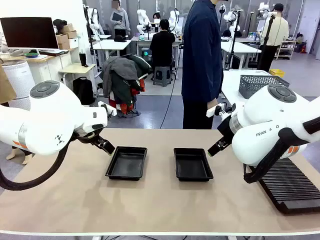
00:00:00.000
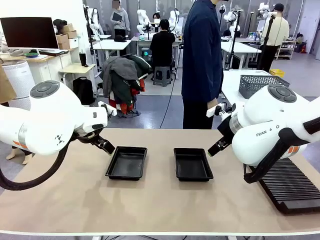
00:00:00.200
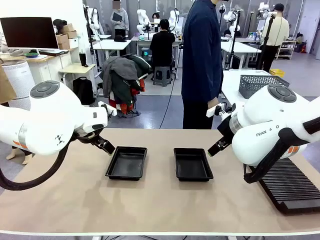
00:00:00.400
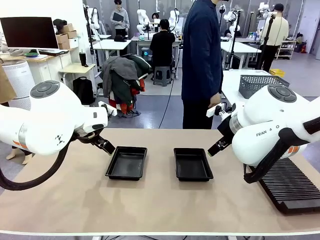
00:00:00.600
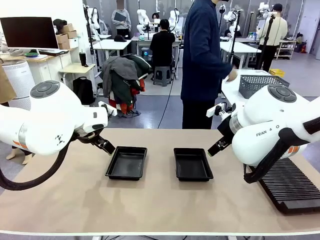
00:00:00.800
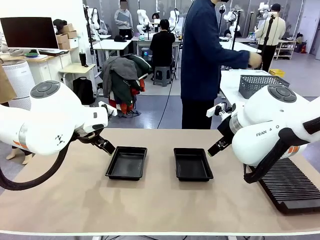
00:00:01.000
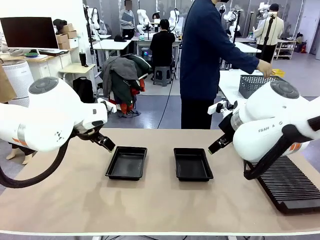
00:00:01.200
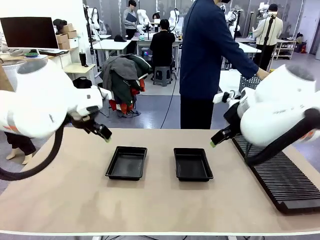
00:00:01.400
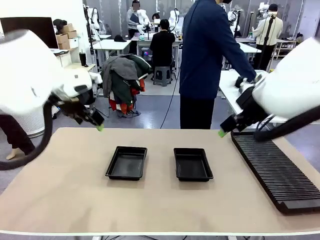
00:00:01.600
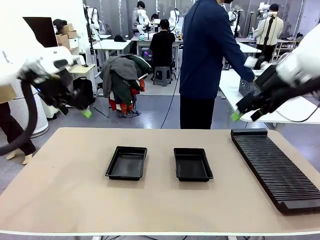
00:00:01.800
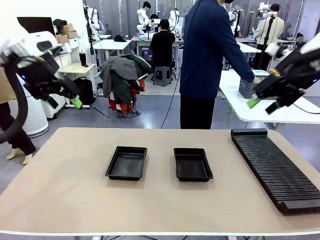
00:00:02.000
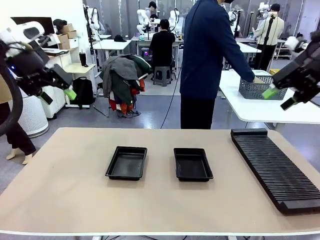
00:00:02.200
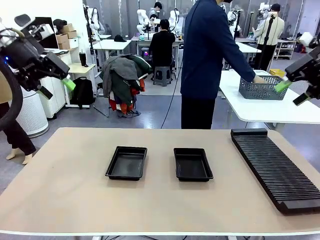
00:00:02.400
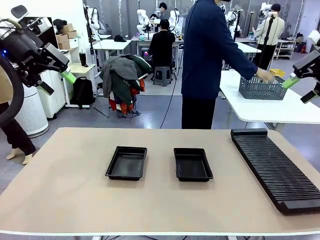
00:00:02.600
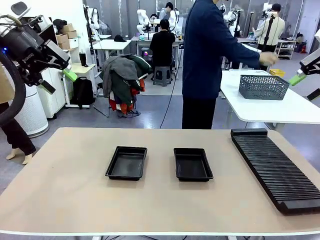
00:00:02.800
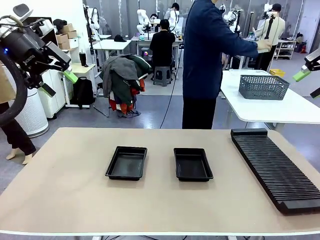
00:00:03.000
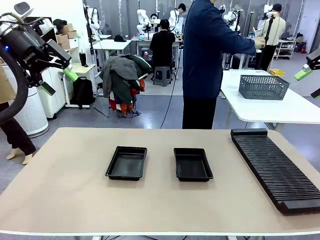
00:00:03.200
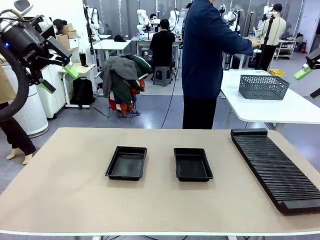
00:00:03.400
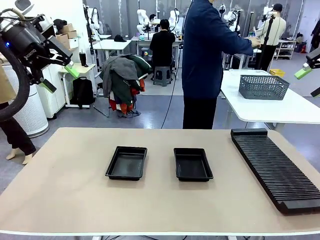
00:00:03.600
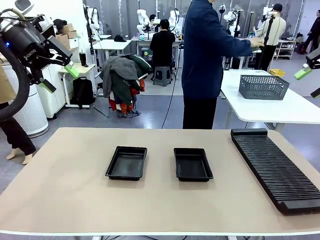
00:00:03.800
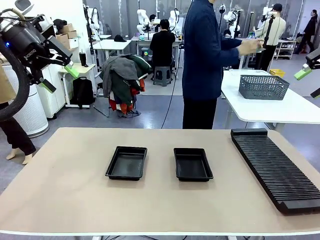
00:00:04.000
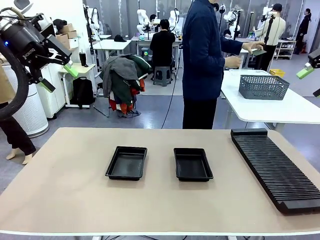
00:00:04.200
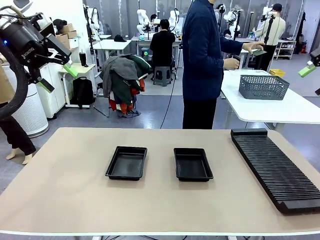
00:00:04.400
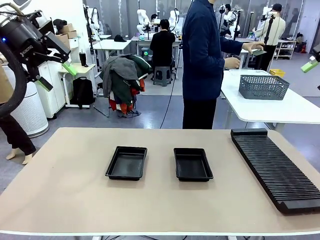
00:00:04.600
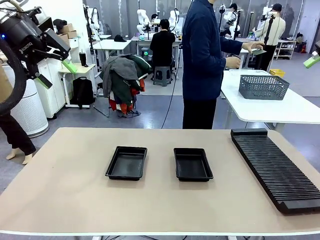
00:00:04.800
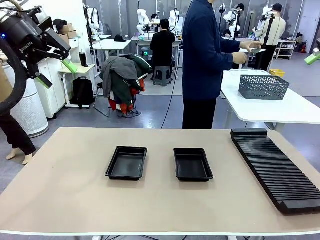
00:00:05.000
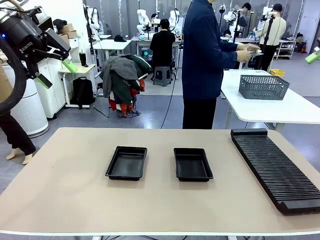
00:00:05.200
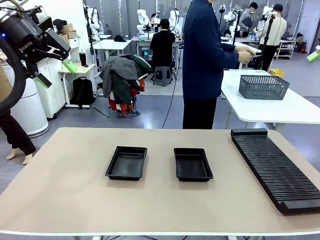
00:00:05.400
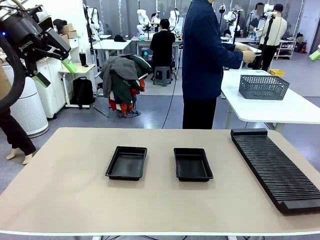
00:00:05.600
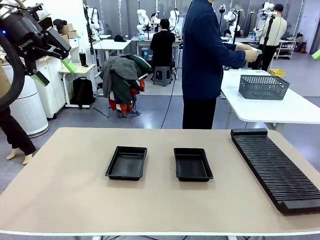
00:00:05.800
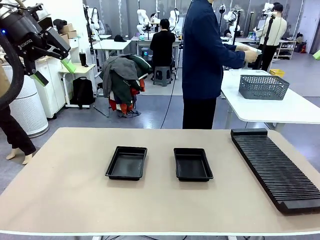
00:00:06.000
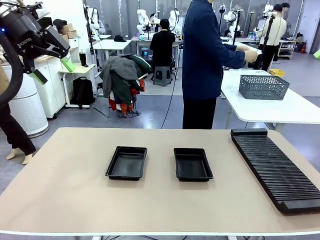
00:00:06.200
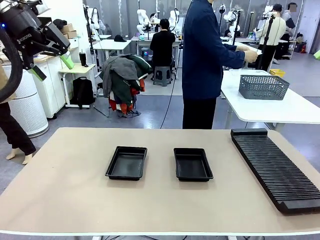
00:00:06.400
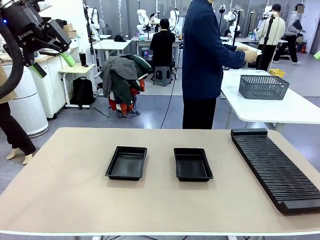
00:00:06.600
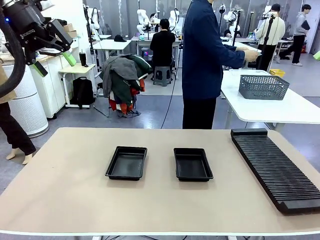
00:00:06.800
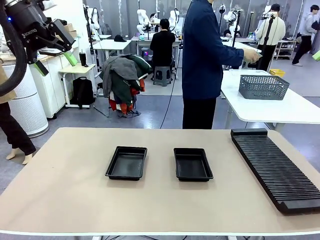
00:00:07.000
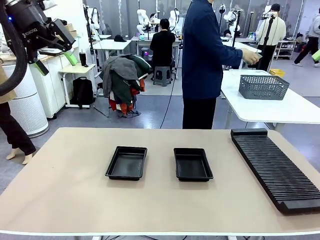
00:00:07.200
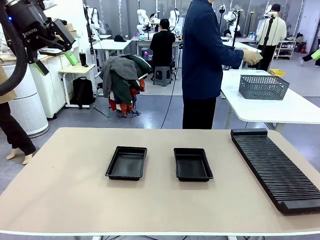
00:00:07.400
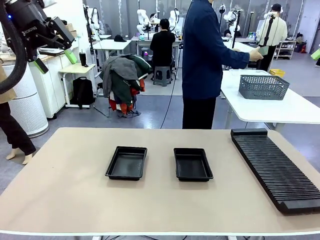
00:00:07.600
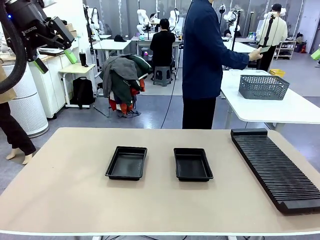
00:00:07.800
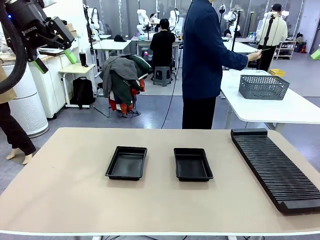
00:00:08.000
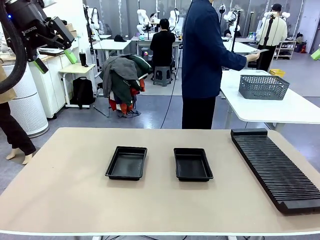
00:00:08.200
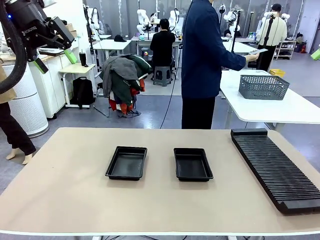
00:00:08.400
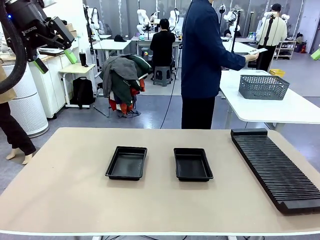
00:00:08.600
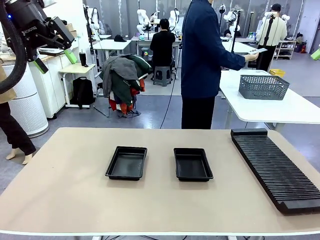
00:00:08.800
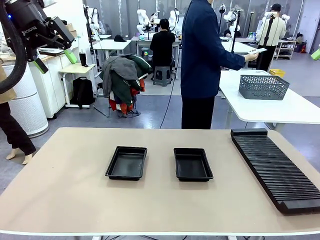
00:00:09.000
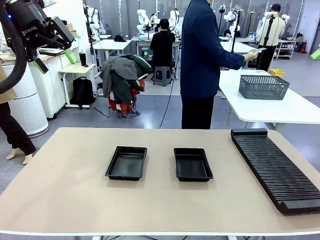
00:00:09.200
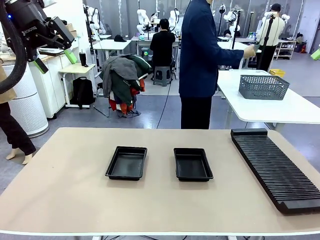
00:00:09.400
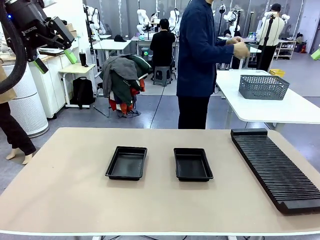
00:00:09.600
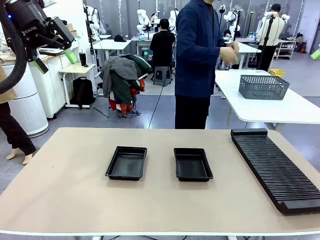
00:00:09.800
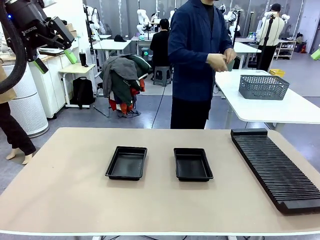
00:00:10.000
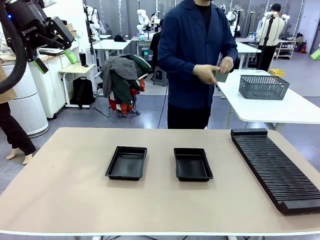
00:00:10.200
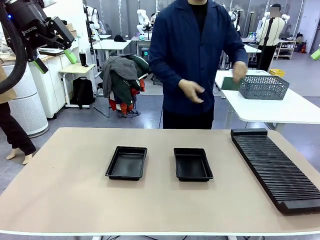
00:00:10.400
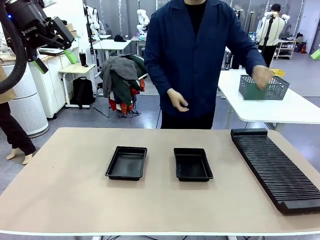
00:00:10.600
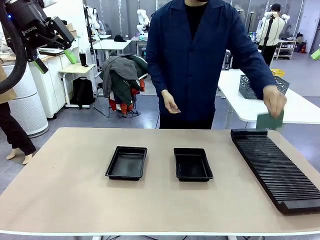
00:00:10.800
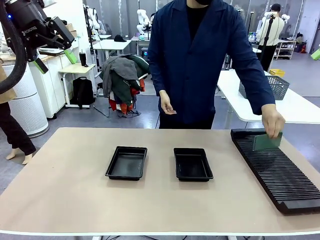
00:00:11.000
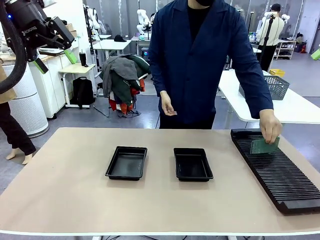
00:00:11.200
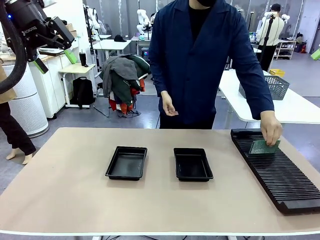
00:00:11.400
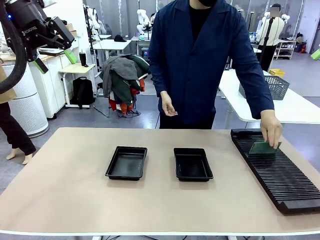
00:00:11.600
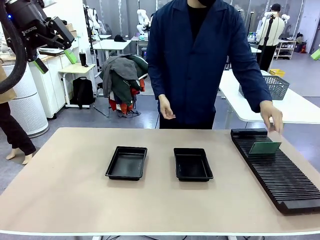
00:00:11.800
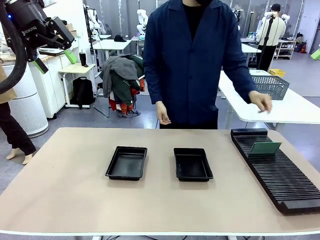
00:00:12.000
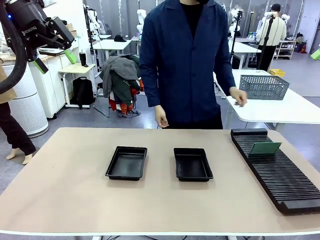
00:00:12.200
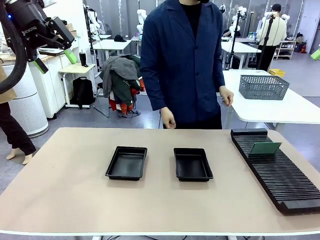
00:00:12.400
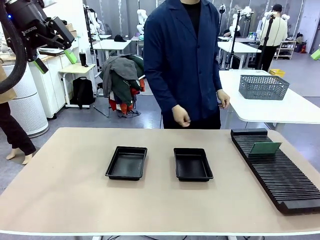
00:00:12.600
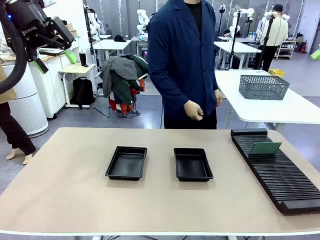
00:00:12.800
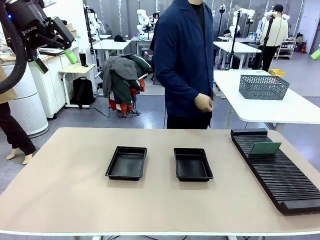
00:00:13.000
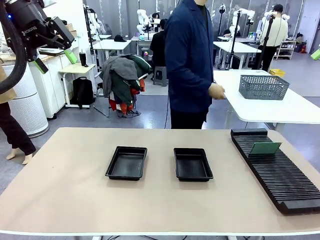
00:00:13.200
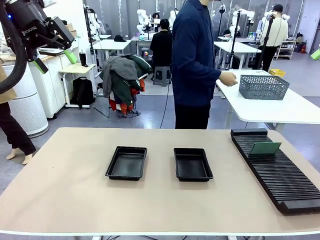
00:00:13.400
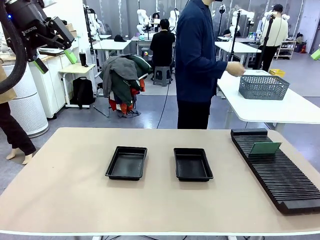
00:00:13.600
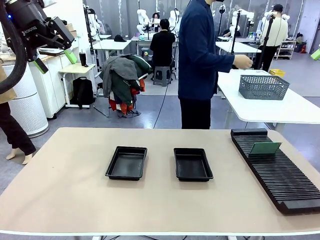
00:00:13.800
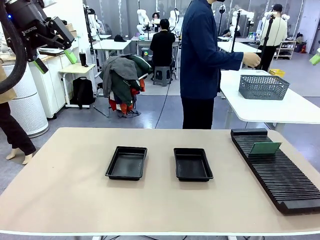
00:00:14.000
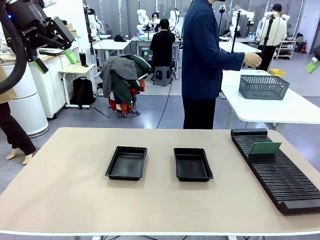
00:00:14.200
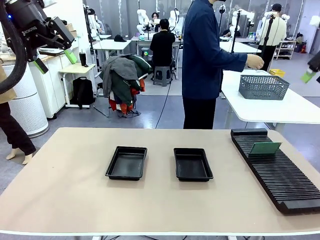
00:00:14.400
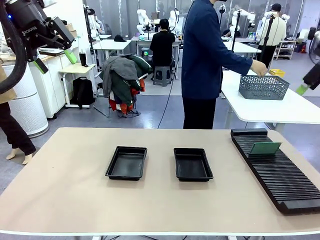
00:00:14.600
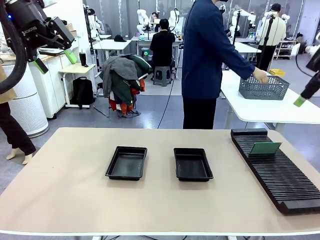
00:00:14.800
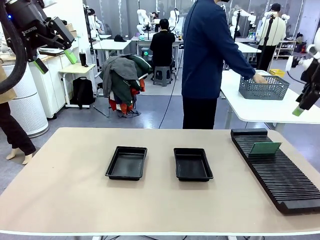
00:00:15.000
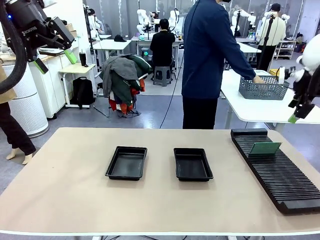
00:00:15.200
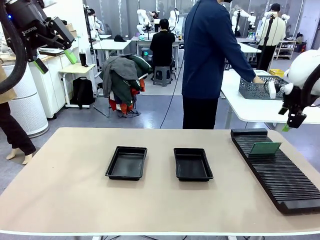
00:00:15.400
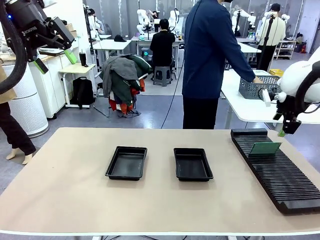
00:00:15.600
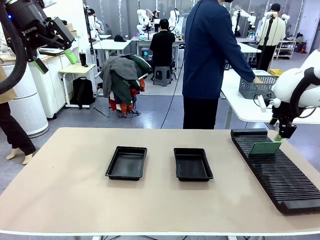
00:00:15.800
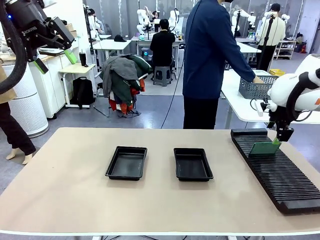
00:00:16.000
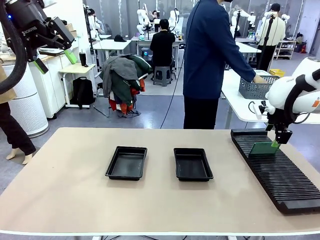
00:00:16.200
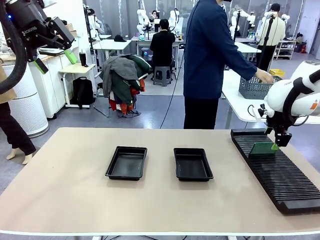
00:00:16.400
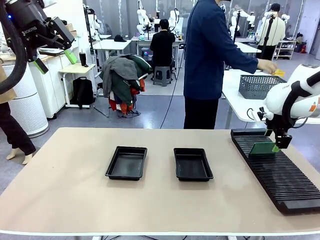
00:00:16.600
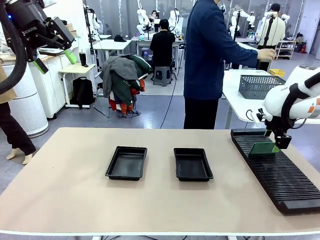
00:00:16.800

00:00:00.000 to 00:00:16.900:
Task: Inspect and transfer BCBs to ESD trays.
Robot: Pick up the Blank PCB from the PCB Rack and place it in the left ESD tray.
